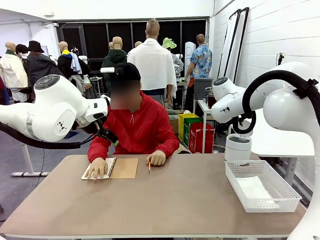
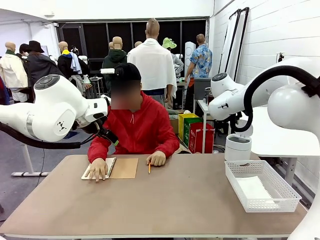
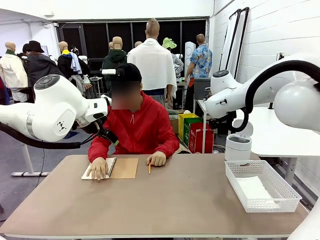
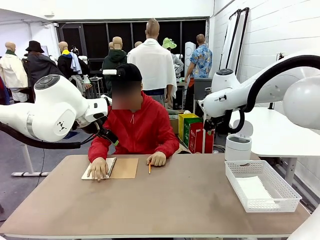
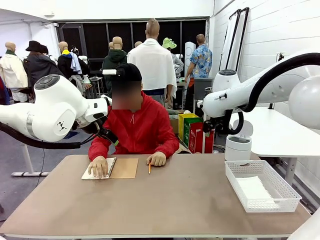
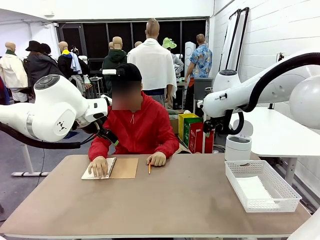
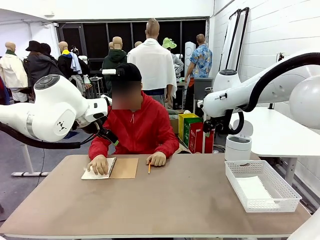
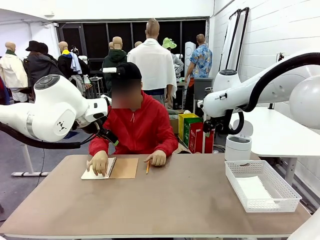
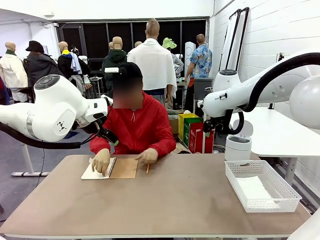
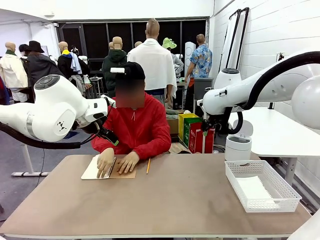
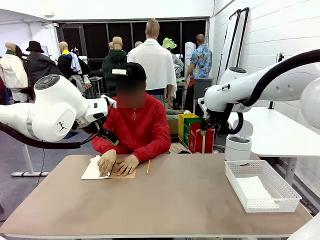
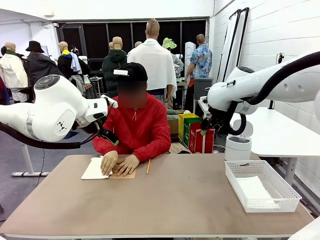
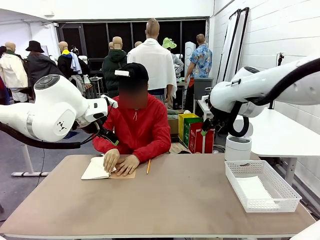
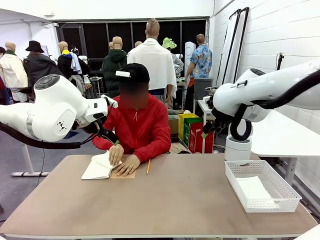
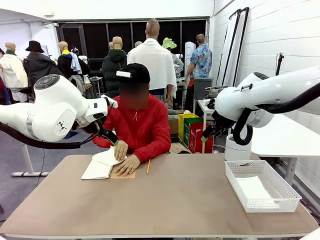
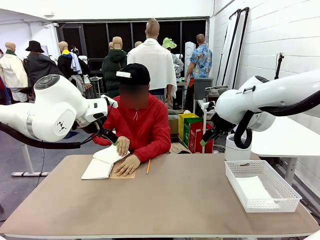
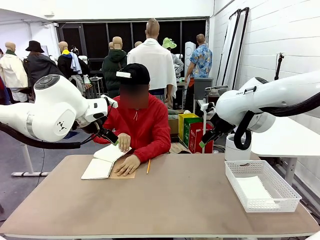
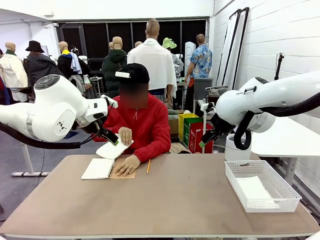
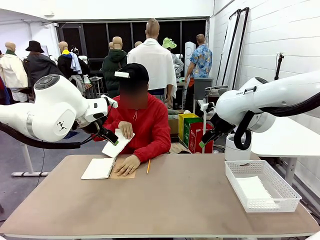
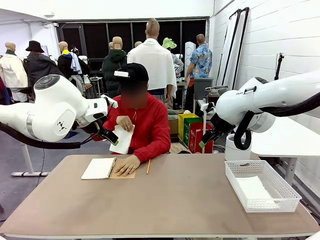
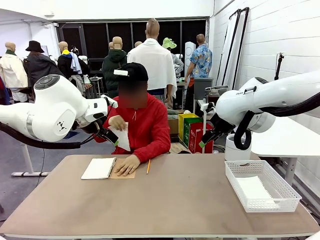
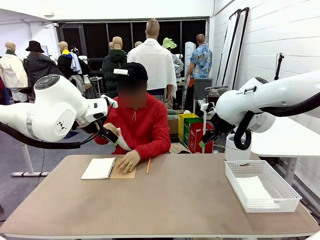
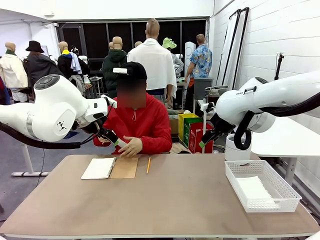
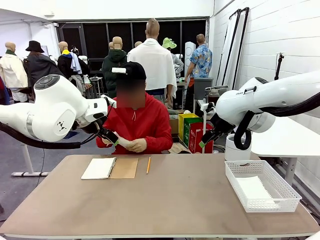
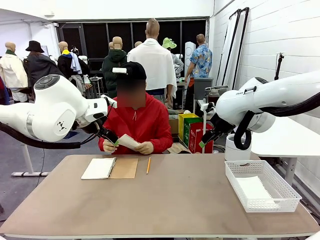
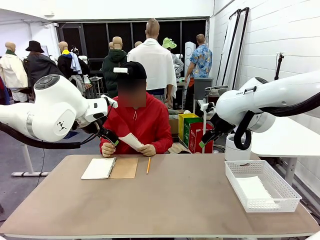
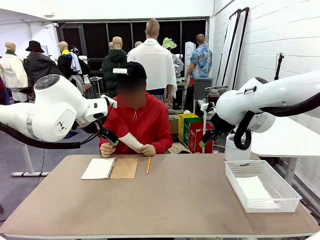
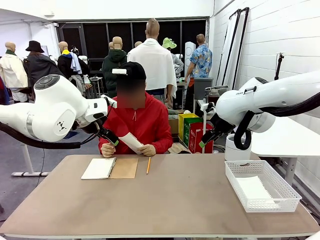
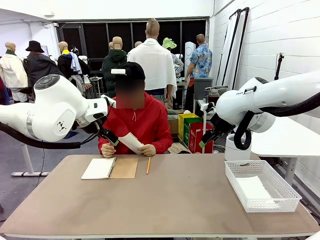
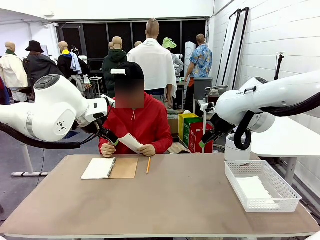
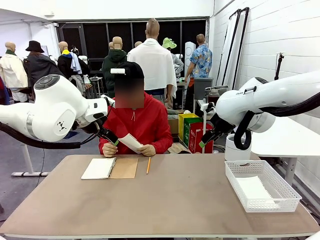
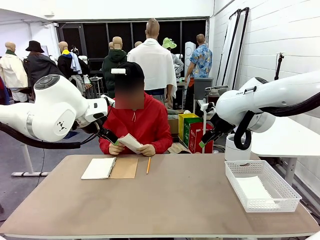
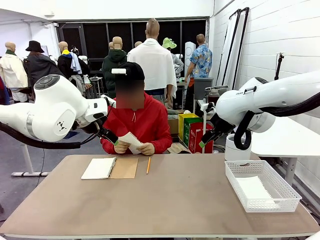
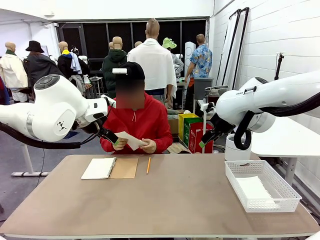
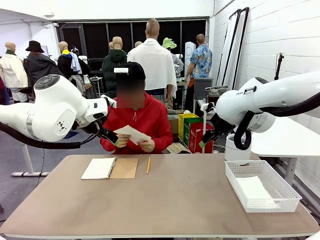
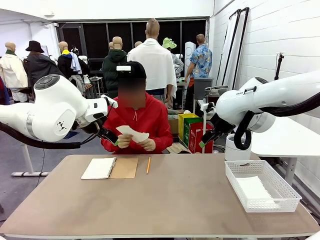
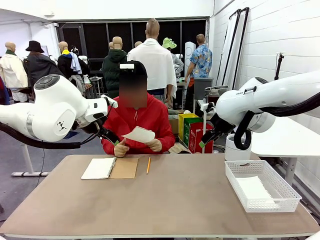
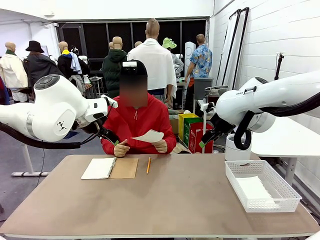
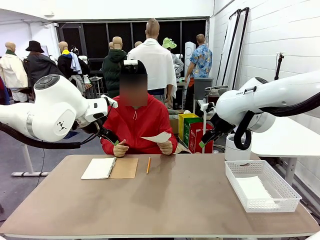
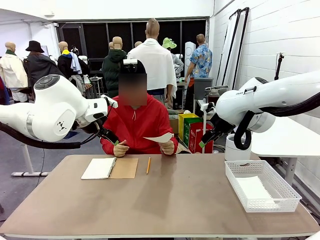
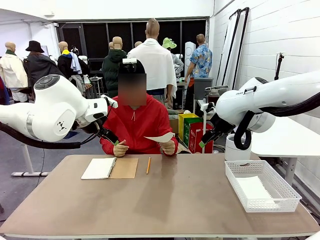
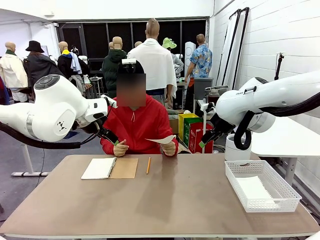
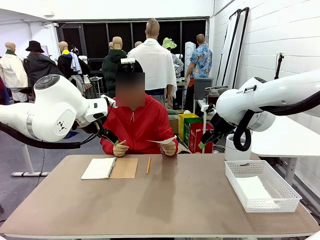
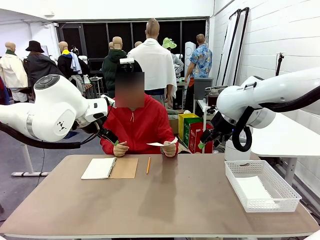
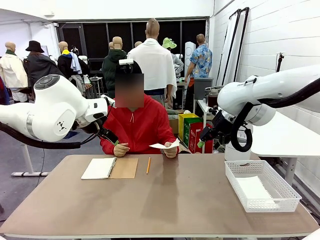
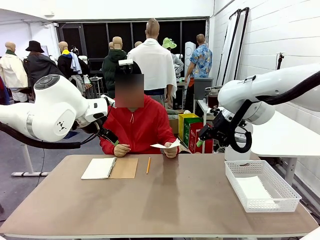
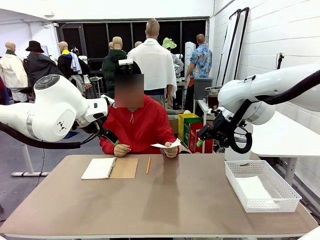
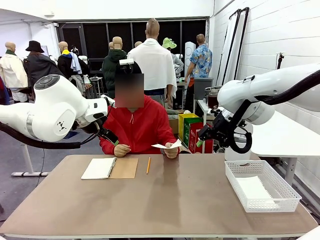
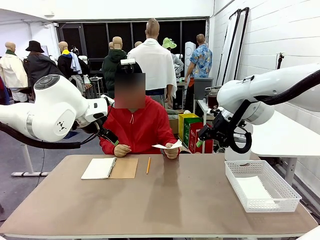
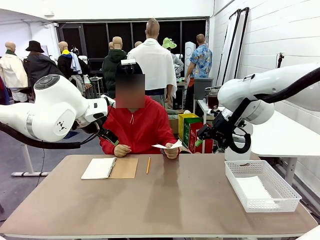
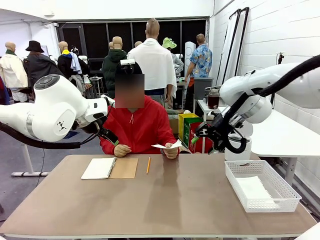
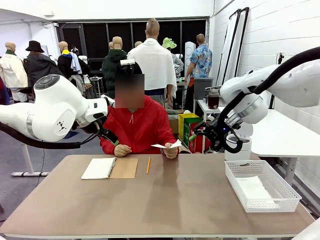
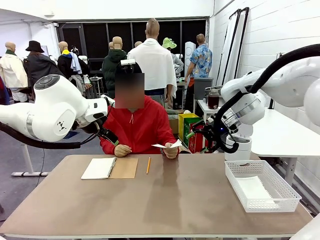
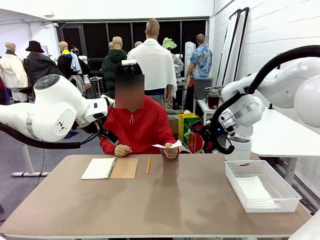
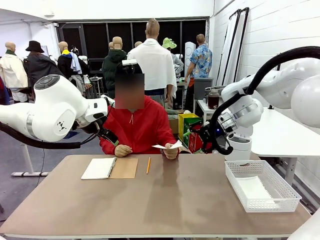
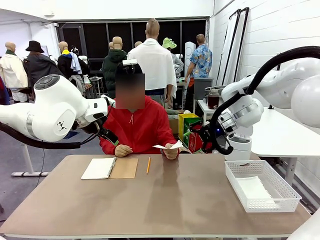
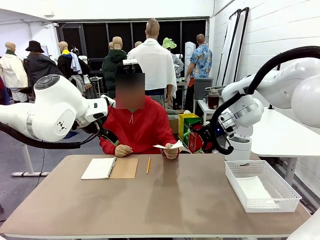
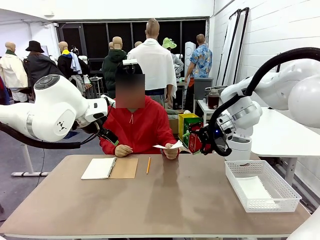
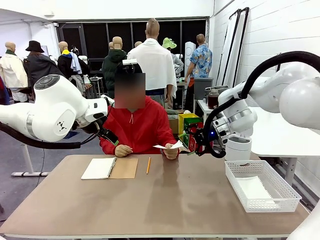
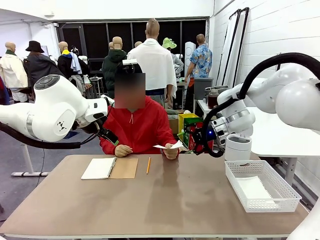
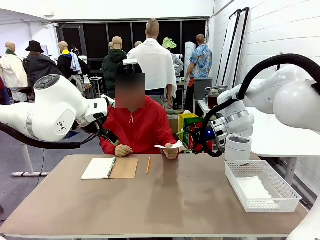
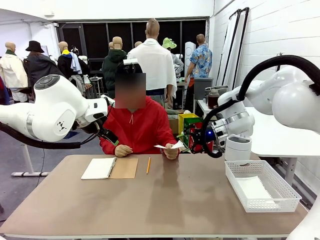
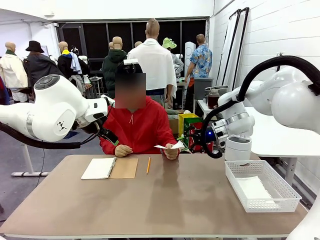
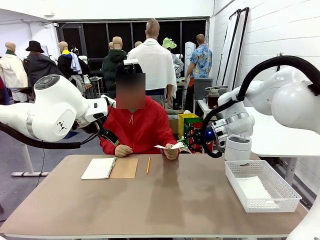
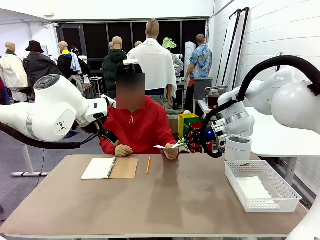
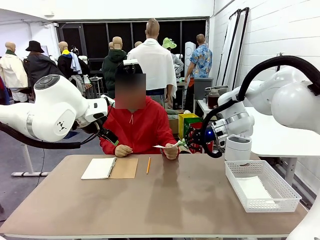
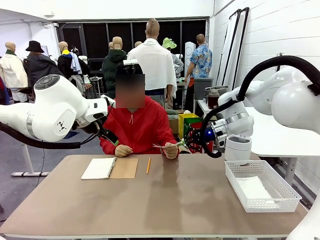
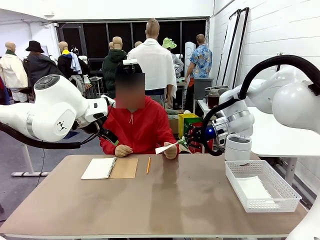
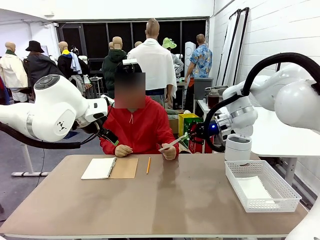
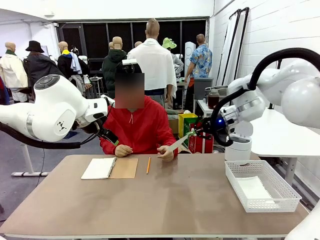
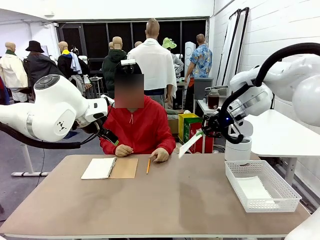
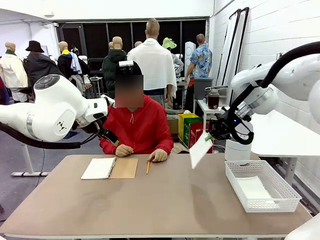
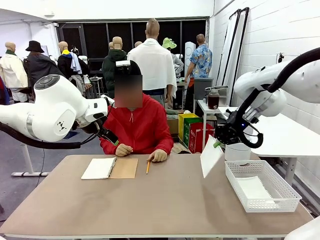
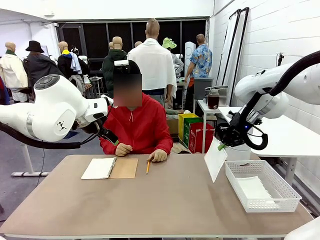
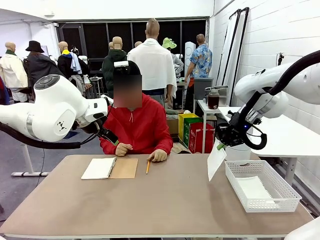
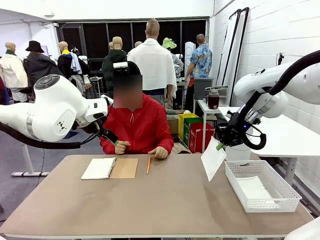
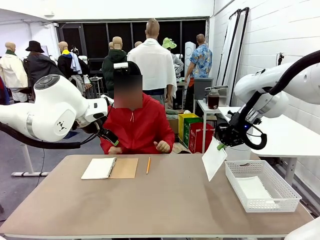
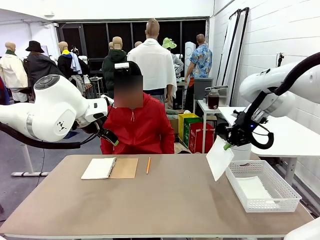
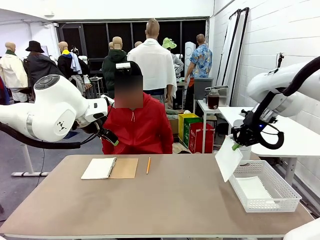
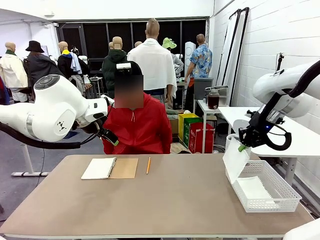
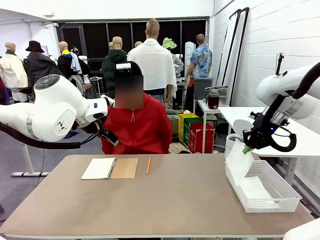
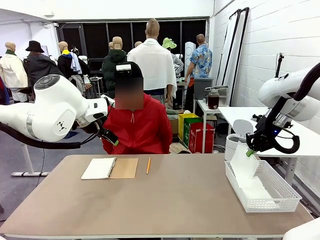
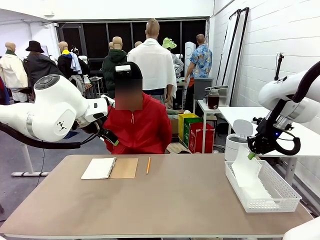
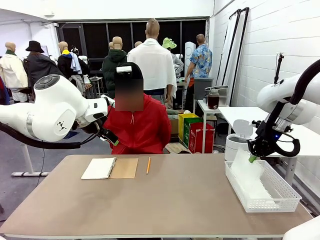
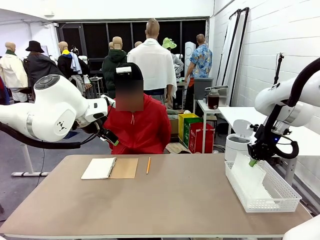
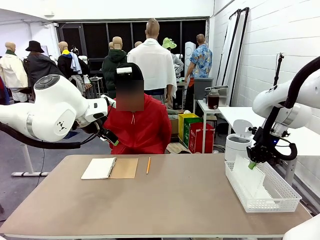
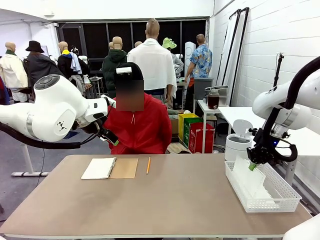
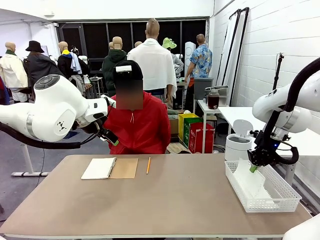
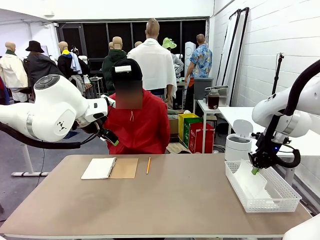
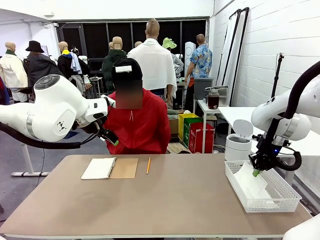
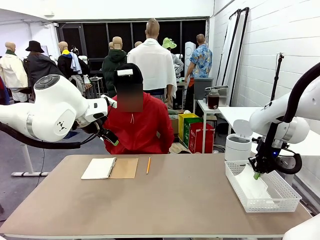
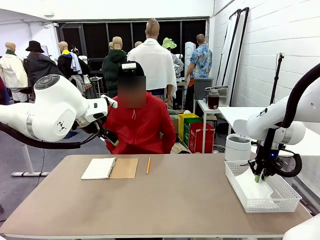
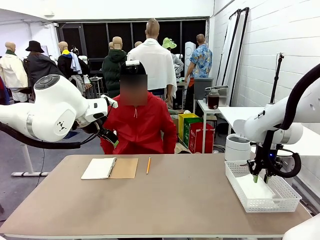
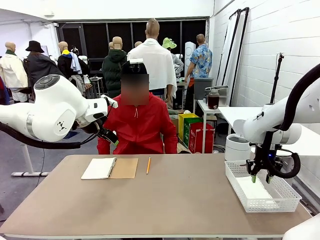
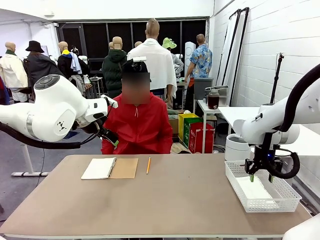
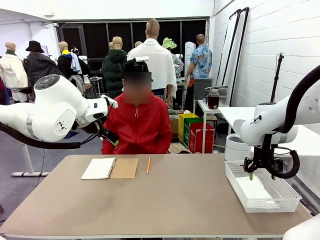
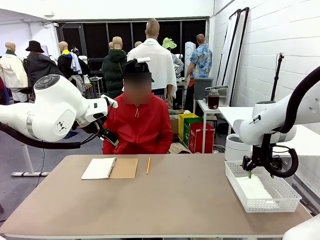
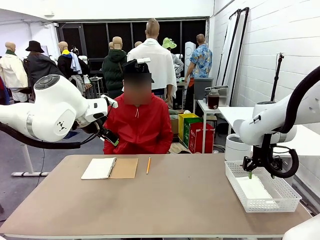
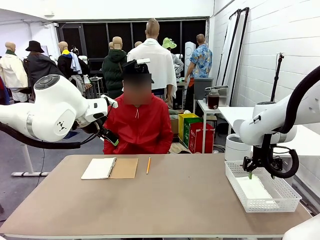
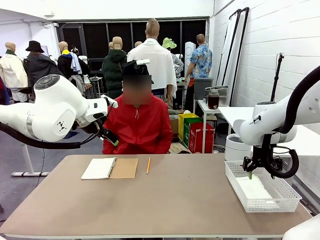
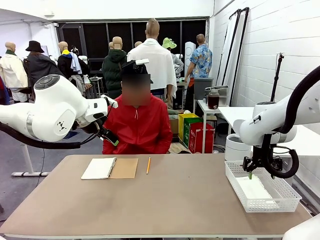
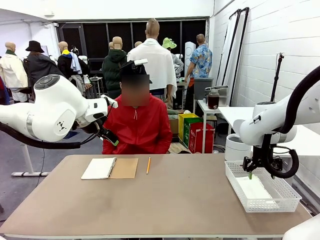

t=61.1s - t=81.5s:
Task: Sort the paper based on its condition.
Robot: If a person hands you a paper, place it in the Organizing basket , and if it's crumpled, put it in the Trash can.
Person: Hand the torn page to the robot or crumple it and throw it to the center of the table.
